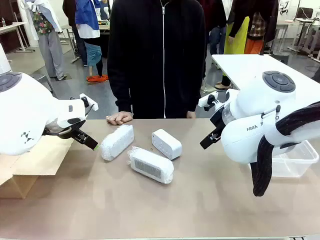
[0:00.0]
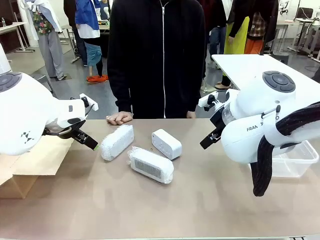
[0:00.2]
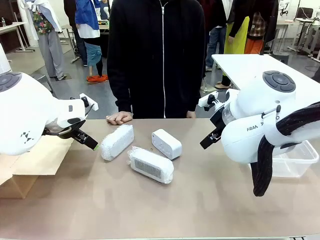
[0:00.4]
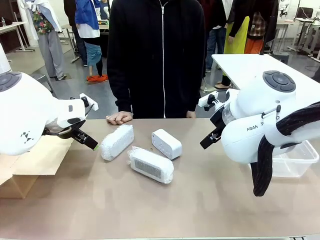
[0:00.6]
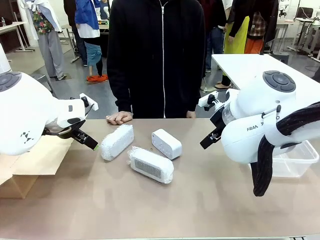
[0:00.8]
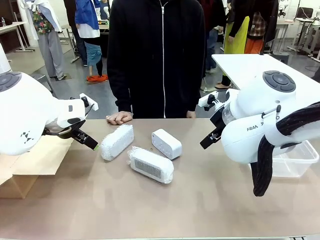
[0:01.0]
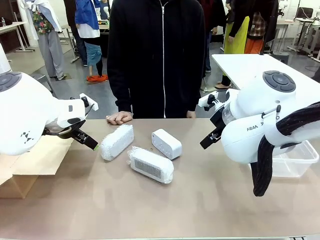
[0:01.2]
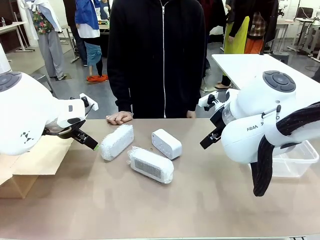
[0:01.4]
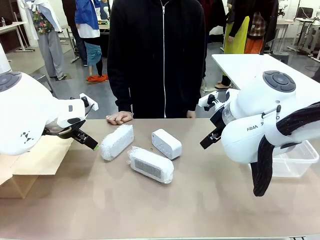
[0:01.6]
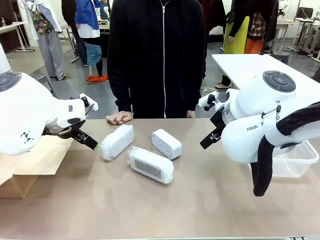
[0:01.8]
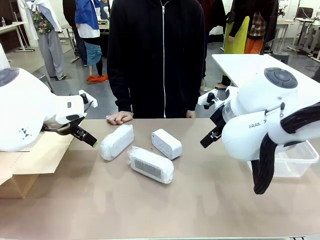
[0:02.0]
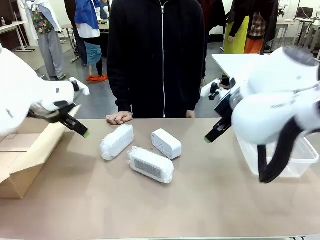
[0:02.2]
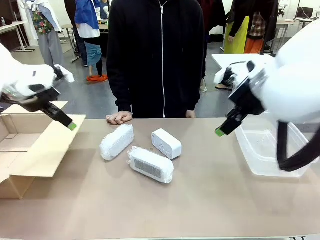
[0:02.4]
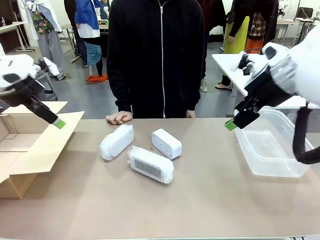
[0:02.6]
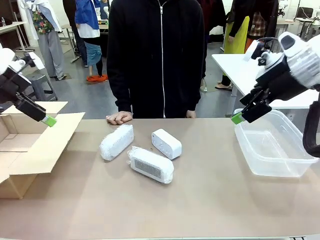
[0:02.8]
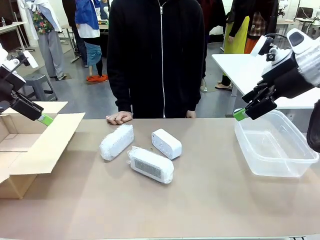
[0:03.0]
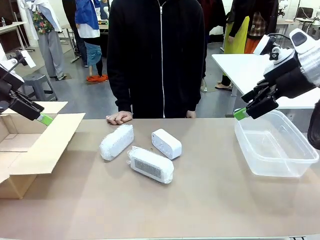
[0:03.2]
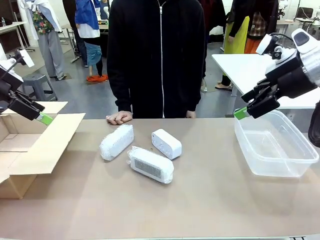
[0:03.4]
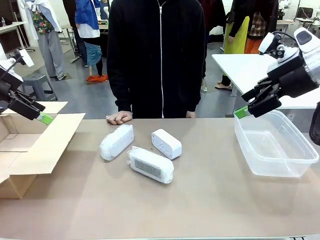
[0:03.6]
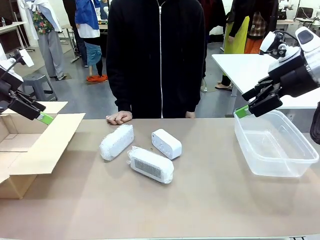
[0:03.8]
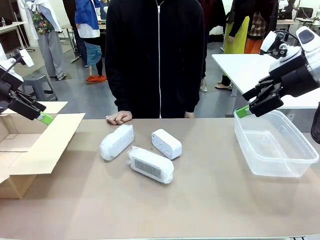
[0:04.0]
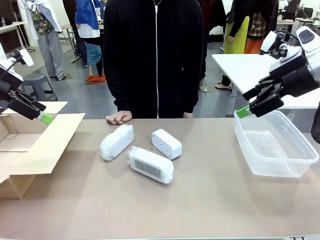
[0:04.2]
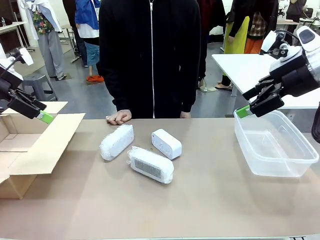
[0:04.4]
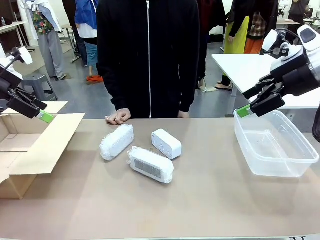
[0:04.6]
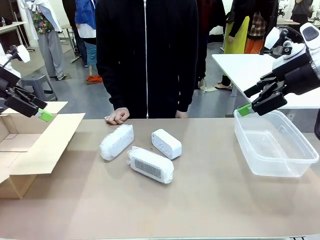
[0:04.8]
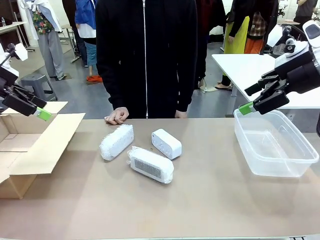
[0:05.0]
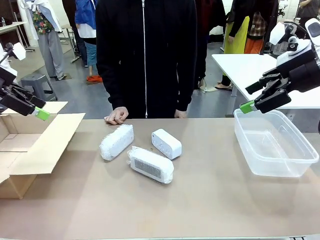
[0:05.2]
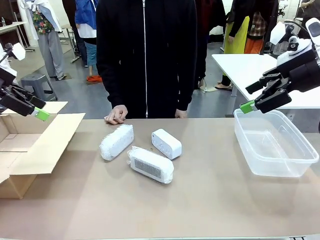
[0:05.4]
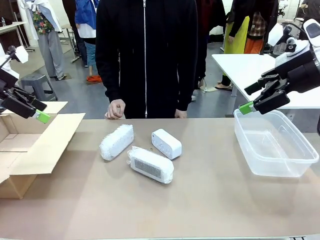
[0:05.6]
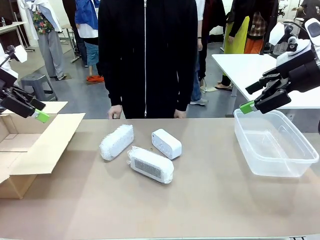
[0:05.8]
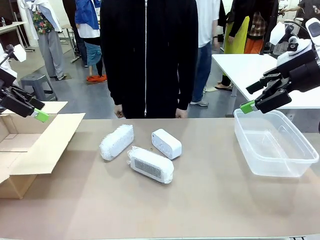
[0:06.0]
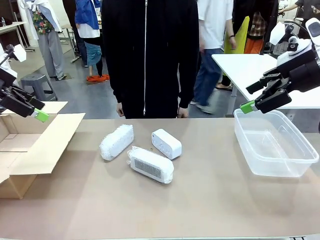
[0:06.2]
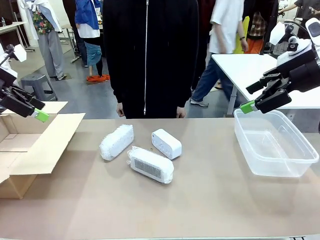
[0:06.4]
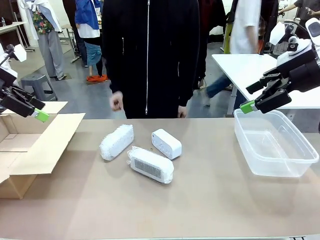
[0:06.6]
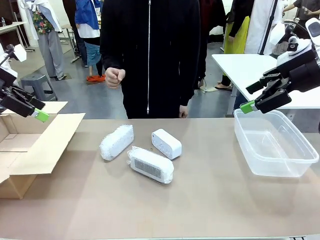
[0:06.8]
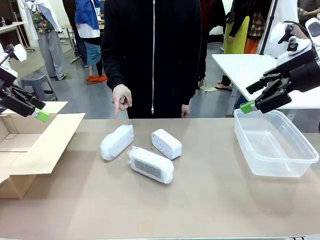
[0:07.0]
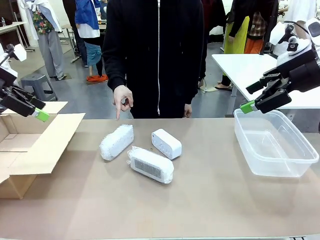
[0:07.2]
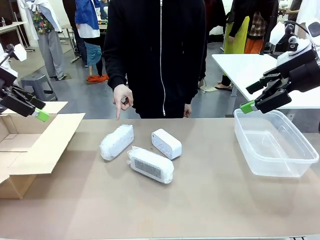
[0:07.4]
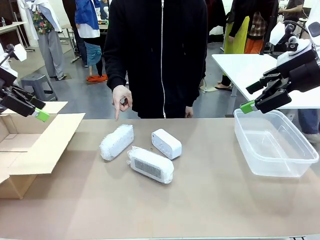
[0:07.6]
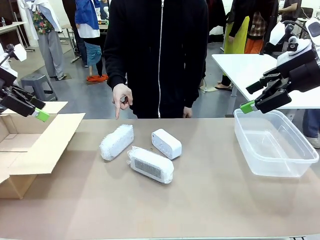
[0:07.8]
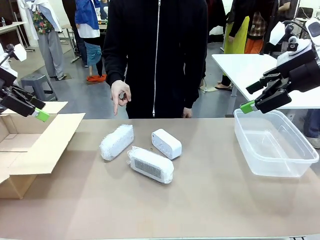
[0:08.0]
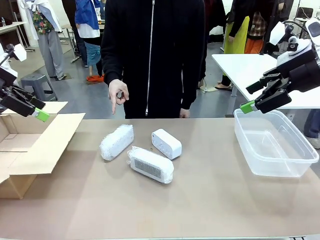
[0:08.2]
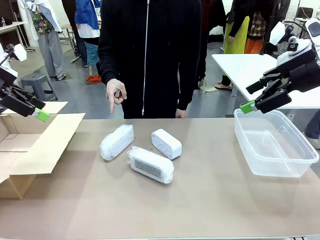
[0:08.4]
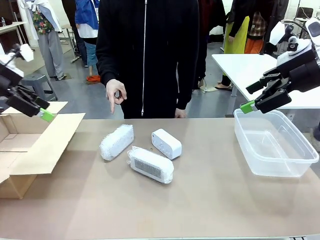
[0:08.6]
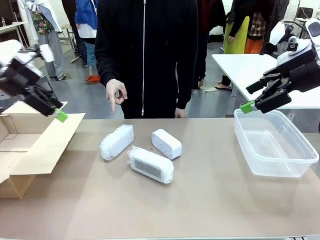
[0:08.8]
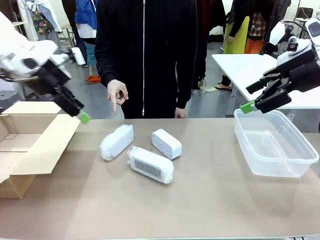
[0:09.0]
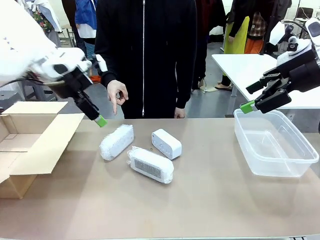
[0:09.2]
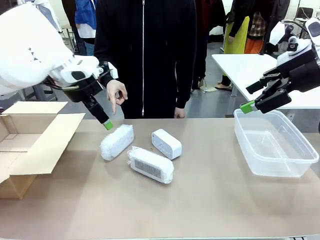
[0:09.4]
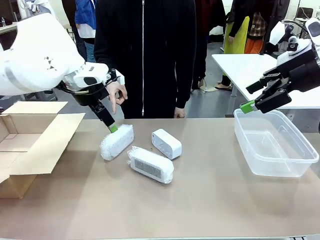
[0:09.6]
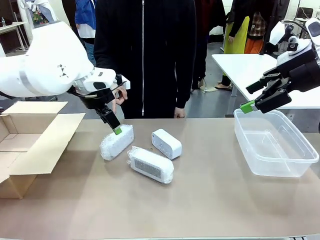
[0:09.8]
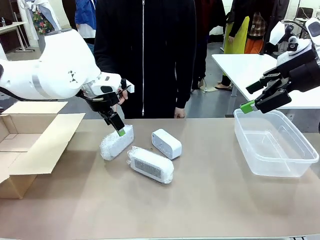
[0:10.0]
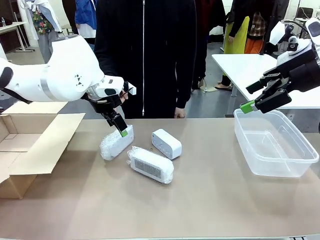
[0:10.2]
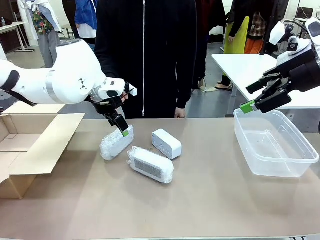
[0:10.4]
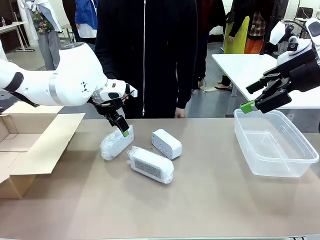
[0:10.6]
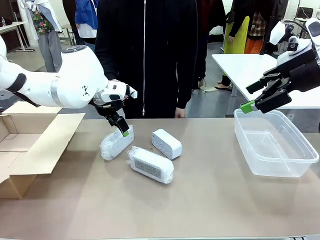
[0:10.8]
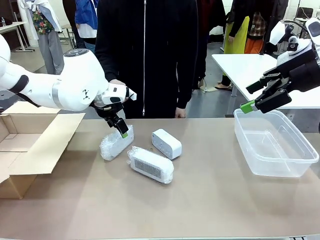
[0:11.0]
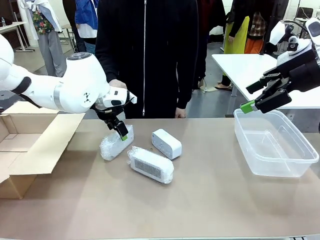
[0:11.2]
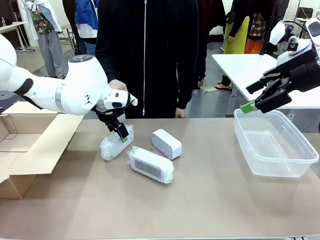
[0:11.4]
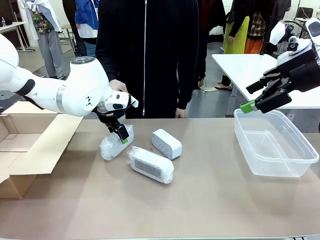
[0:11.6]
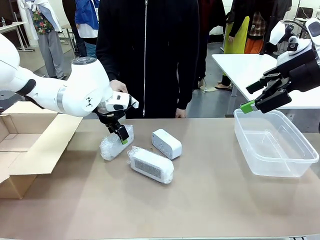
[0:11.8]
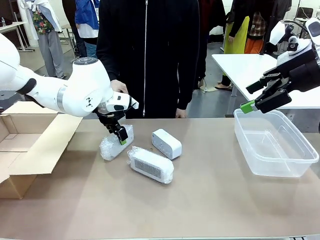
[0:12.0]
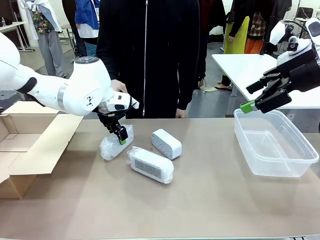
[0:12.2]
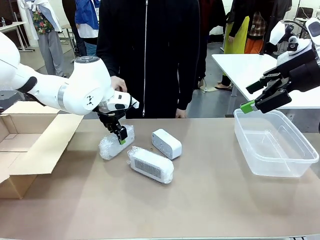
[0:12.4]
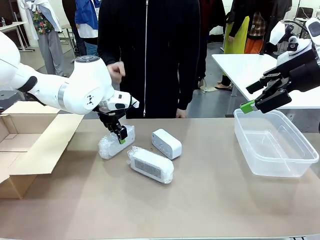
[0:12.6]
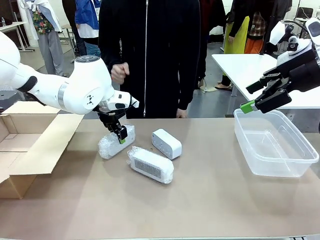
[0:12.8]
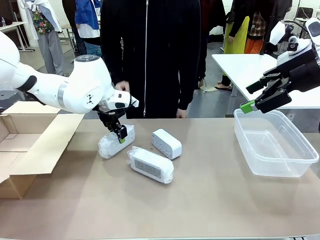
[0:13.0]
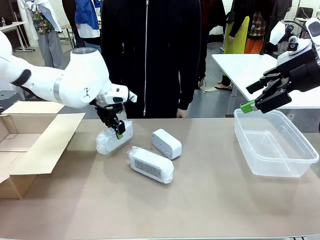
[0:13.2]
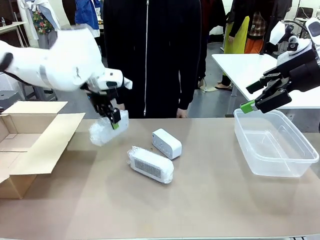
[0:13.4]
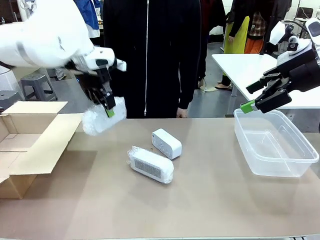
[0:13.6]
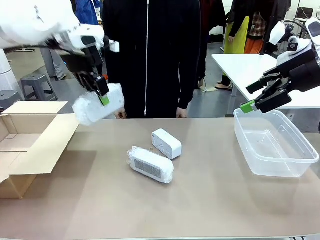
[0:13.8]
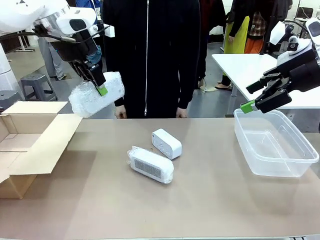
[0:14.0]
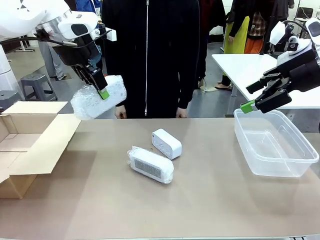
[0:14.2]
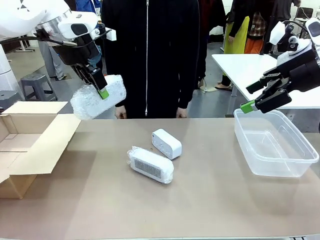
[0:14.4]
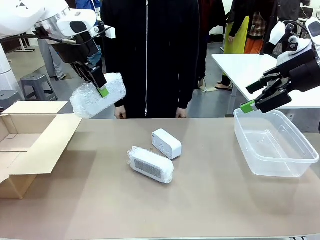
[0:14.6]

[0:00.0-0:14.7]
Task: Separate and place wrapped and unwrapped clocks.
Robot: Pick up the Digital clock indicated by the person.

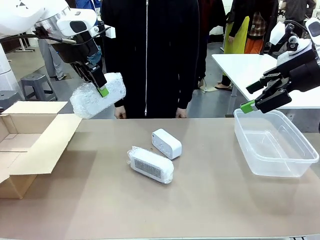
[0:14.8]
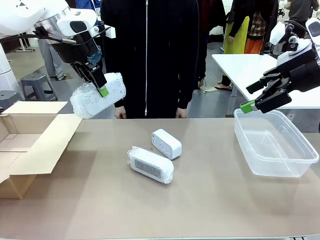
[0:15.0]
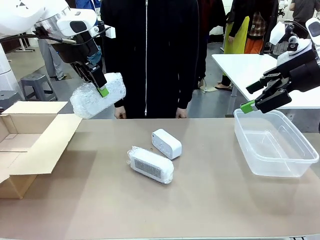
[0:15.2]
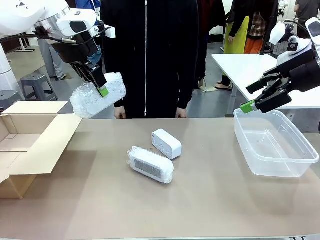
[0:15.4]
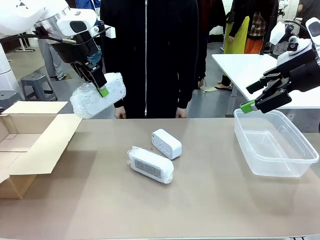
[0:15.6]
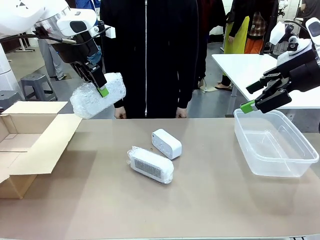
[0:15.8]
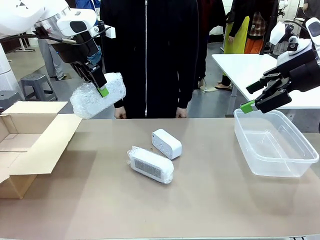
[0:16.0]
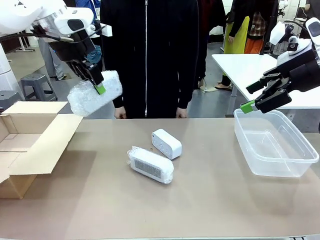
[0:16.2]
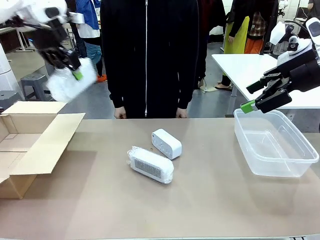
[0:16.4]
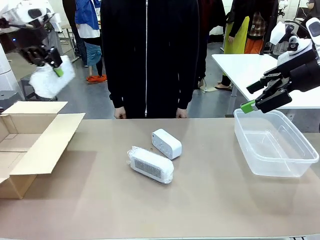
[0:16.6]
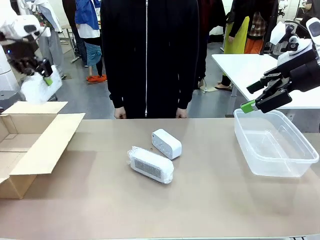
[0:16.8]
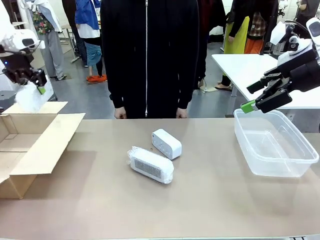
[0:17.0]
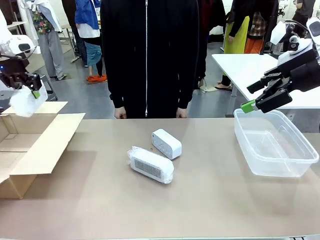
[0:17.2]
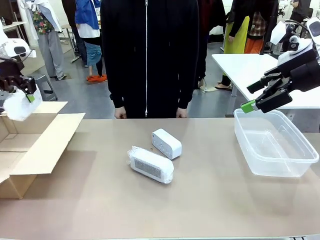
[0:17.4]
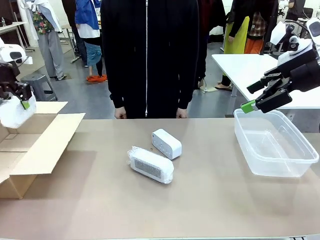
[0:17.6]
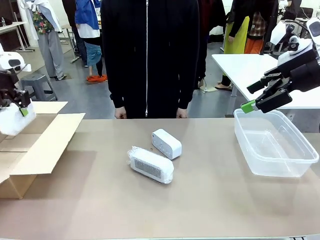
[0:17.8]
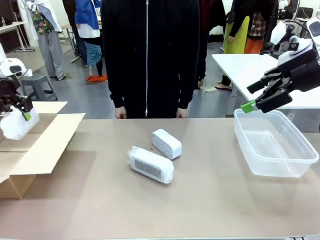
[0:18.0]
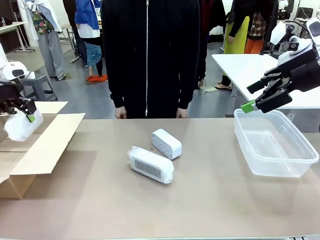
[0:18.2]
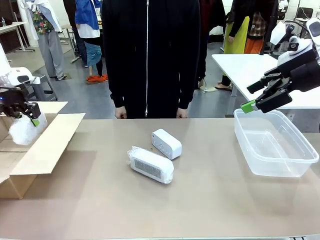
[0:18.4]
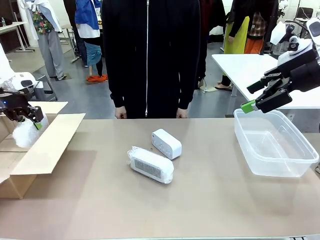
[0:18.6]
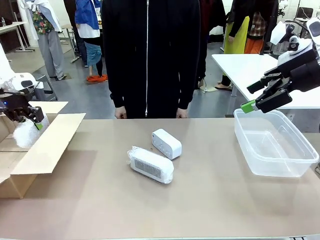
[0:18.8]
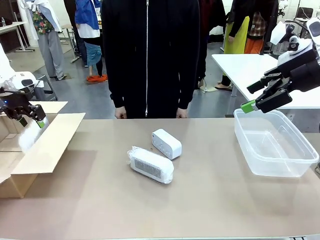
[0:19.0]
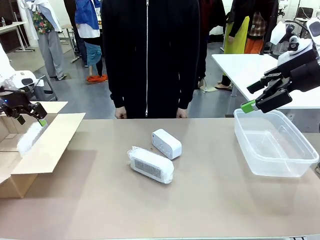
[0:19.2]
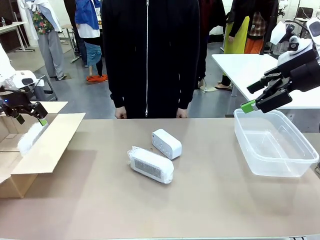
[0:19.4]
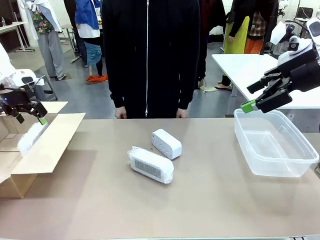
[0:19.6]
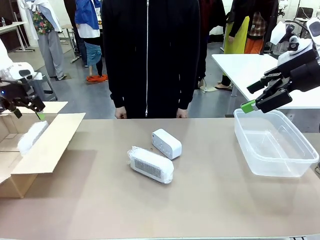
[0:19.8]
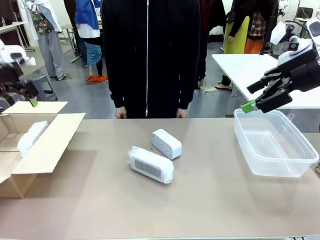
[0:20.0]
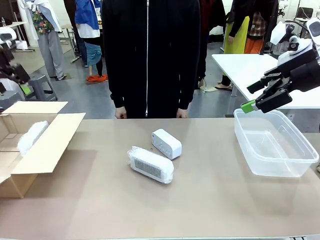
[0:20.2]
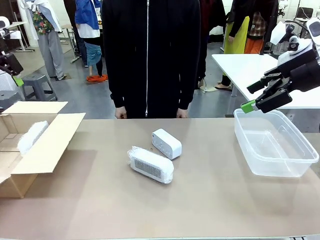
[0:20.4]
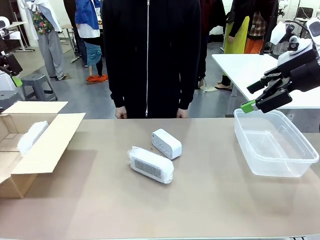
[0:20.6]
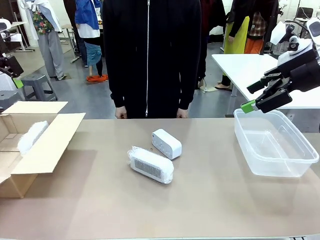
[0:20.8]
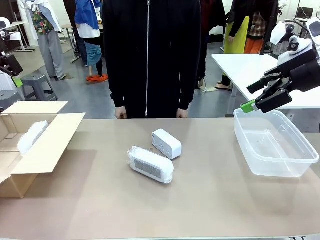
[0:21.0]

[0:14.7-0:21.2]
Robot: If the picked Digital clock is wrapped, place it in the Package Box ; if not, place it in the Organizing box.
